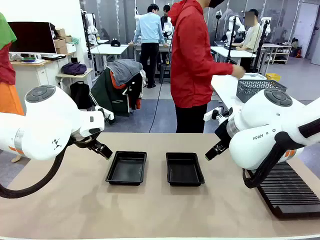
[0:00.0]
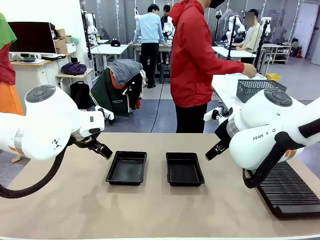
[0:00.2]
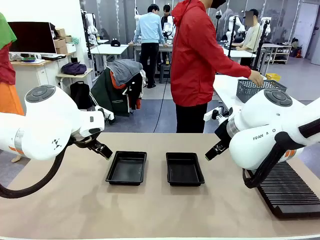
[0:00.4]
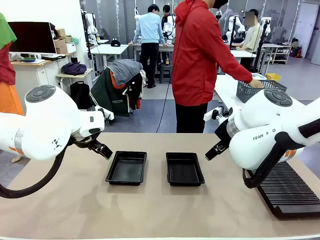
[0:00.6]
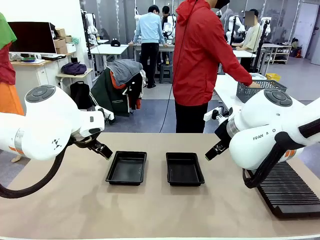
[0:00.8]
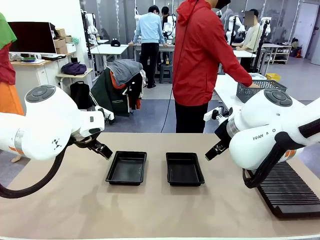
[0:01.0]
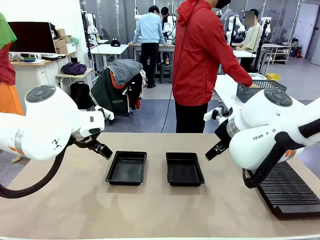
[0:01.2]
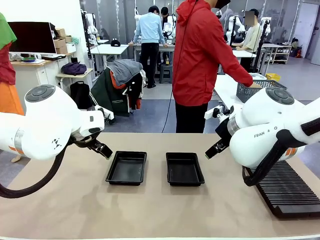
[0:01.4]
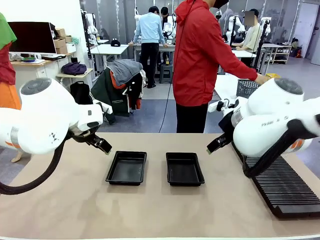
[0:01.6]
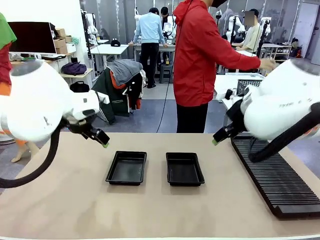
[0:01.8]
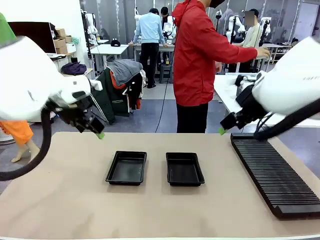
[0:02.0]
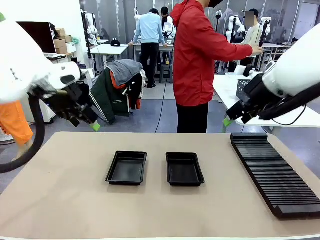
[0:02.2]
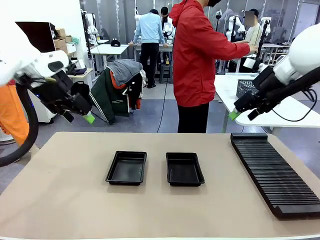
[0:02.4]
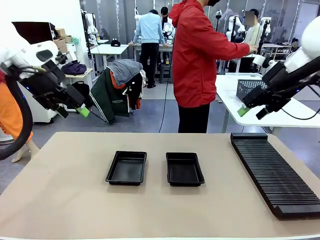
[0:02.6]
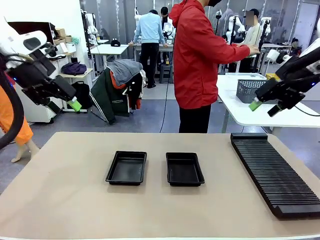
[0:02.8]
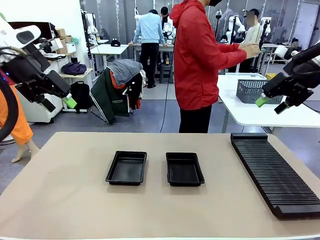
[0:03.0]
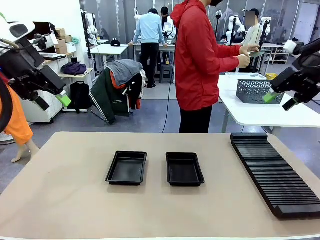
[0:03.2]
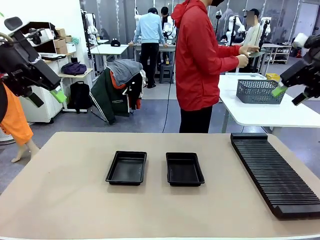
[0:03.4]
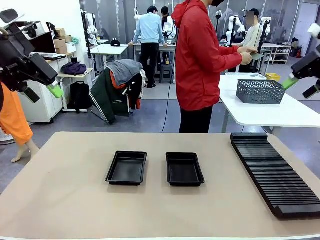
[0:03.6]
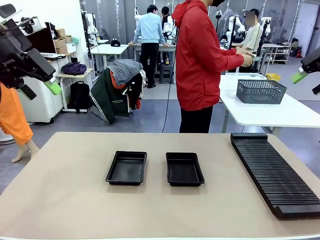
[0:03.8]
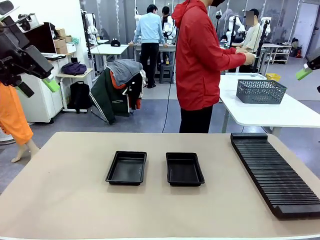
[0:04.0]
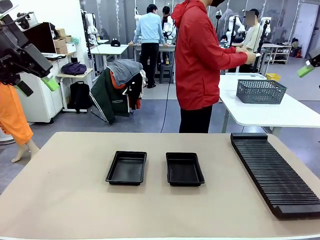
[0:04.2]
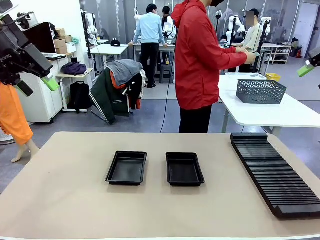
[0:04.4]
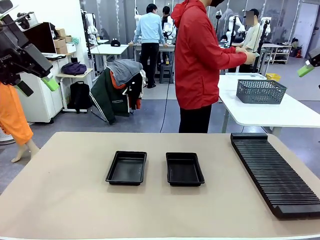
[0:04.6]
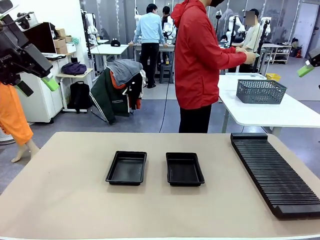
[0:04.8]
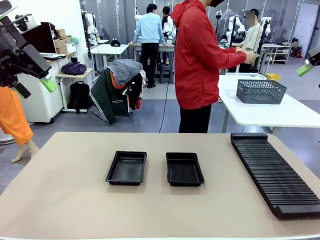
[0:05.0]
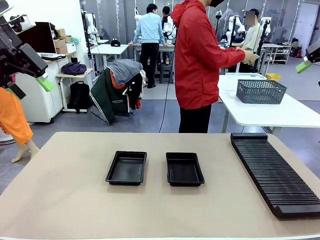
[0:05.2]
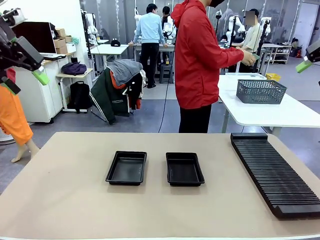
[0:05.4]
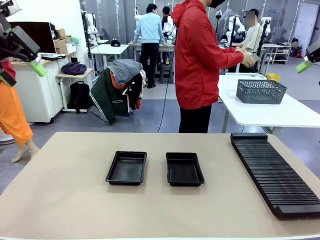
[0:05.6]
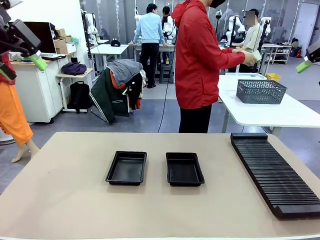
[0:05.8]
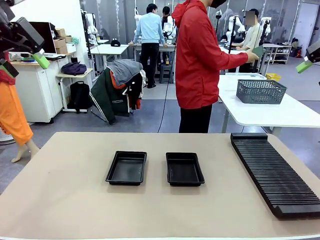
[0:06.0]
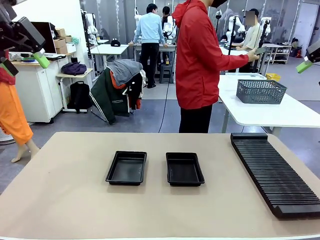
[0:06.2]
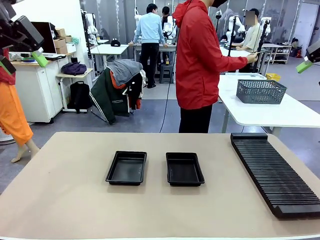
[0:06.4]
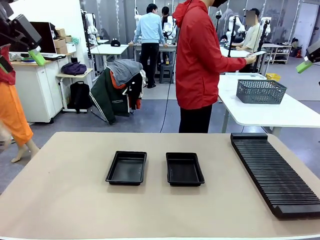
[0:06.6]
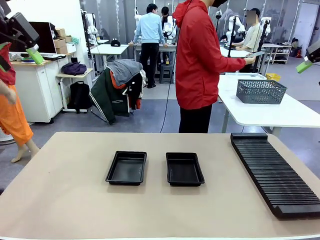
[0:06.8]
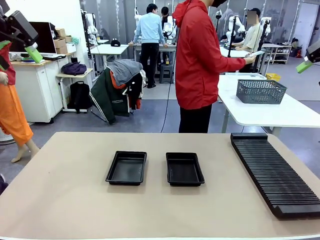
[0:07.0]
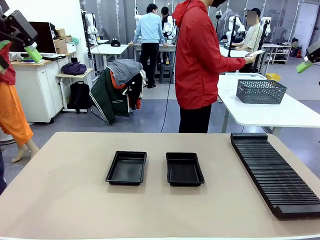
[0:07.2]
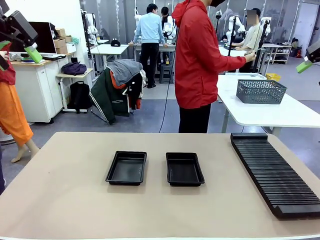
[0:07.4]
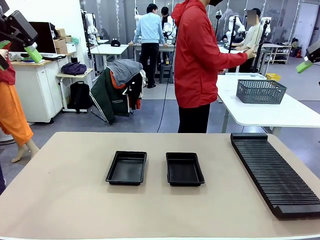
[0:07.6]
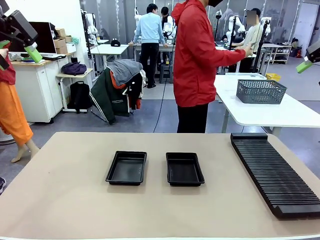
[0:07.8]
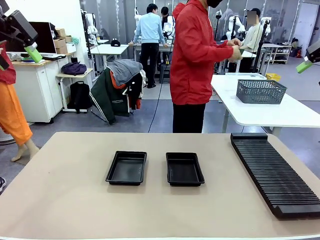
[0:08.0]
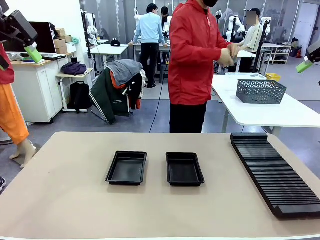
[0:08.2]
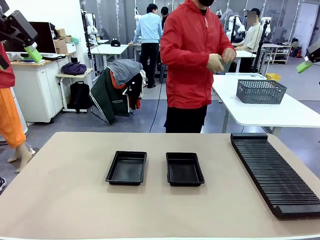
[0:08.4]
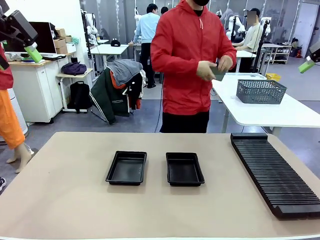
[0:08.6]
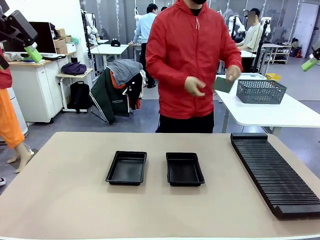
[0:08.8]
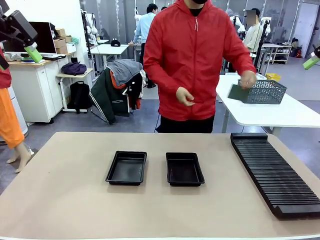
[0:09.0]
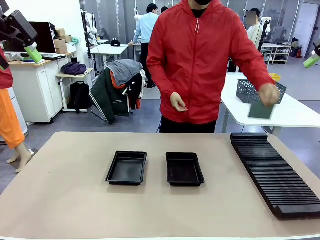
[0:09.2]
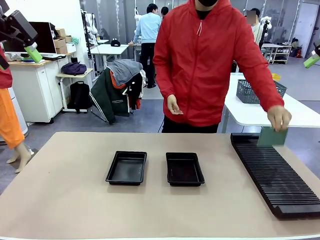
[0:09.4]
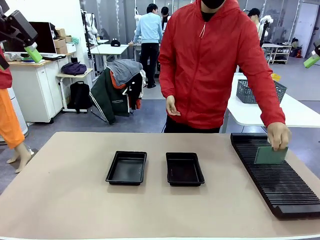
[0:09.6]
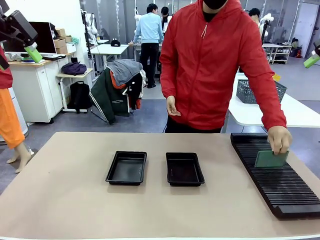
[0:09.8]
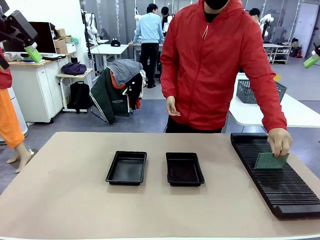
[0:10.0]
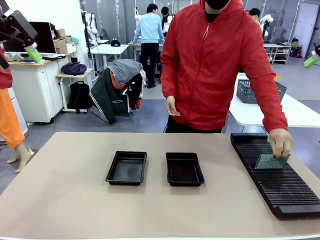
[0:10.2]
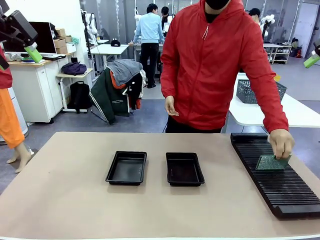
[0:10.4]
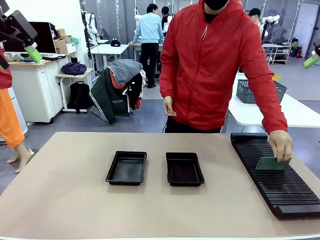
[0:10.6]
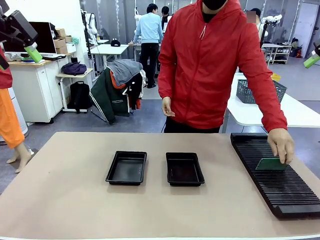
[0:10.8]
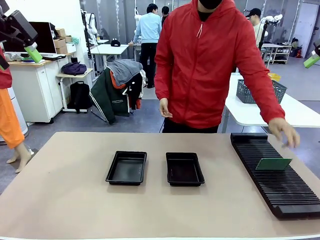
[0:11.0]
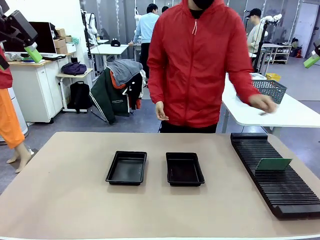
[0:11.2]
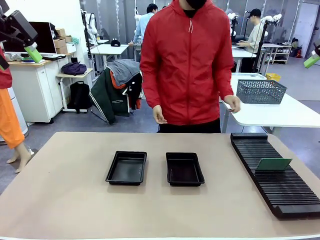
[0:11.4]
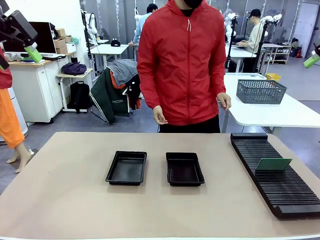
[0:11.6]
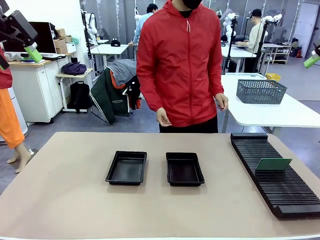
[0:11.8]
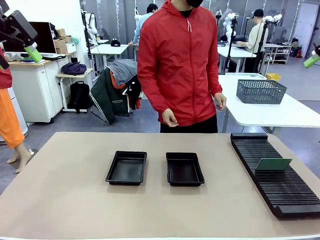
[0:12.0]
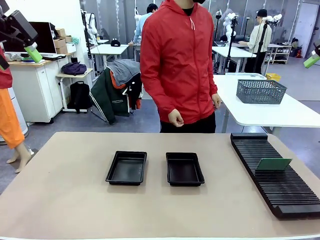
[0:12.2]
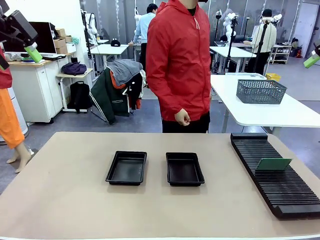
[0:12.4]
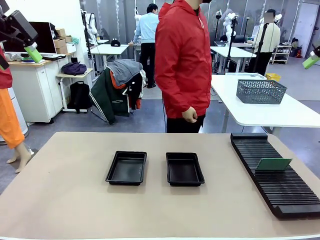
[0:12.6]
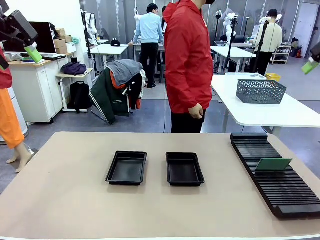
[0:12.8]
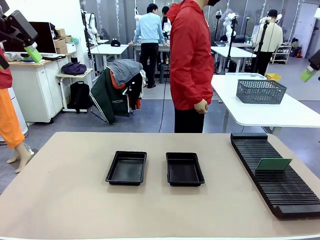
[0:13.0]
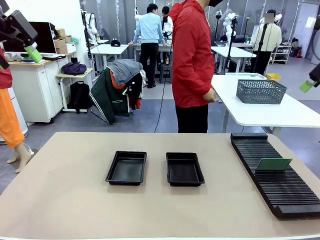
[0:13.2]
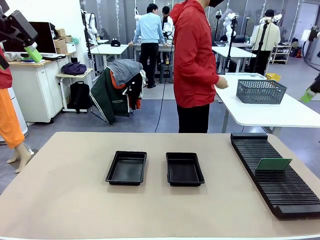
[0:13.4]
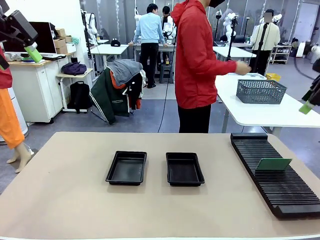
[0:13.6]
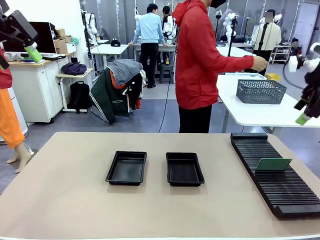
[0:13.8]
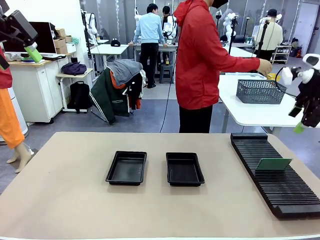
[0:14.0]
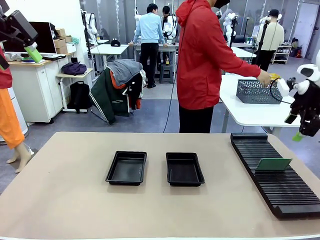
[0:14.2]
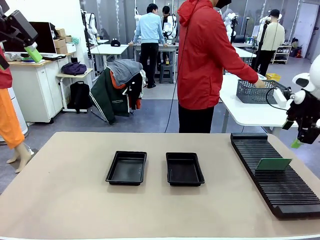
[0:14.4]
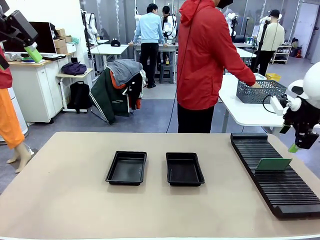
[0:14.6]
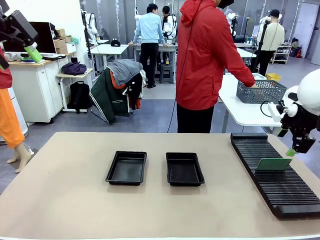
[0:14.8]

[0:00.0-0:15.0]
Task: Inspect and transfer BCBs to ESD trays.
Robot: Pick up the Blank PCB from the PCB Rack and place it in the left ESD tray.
